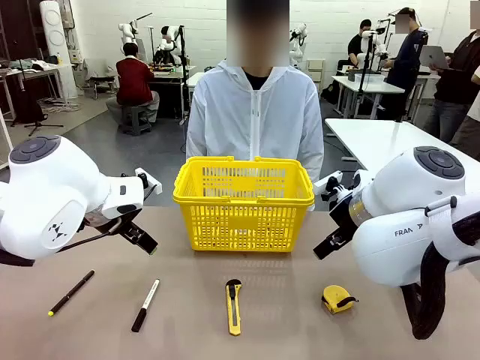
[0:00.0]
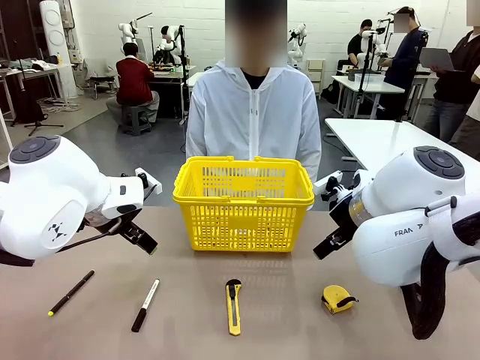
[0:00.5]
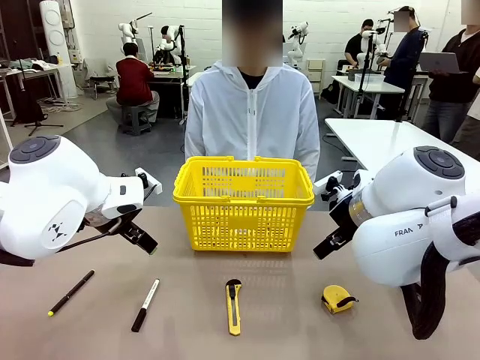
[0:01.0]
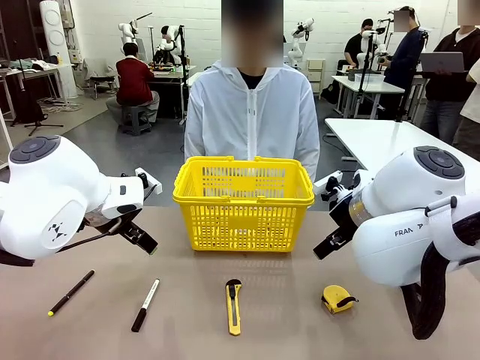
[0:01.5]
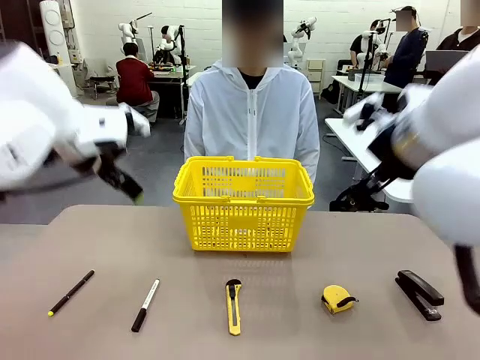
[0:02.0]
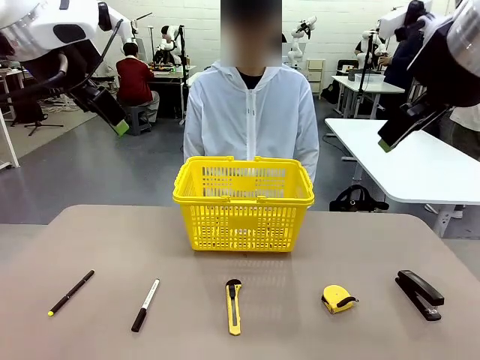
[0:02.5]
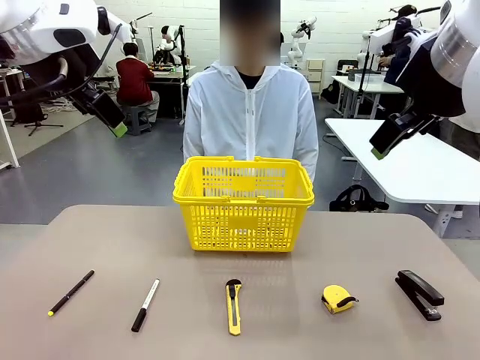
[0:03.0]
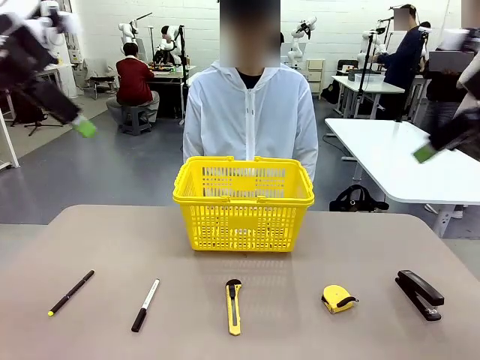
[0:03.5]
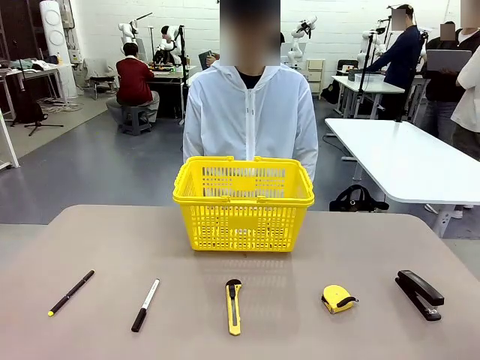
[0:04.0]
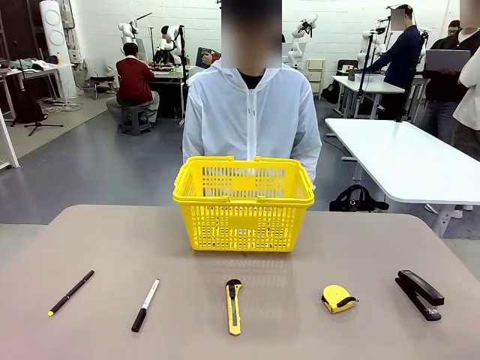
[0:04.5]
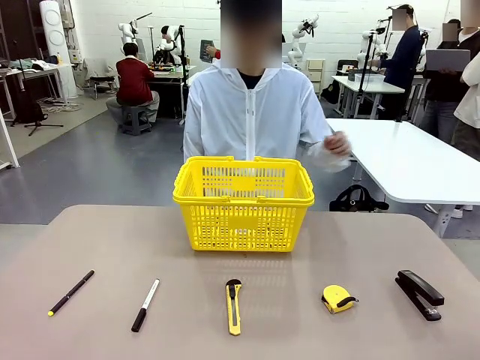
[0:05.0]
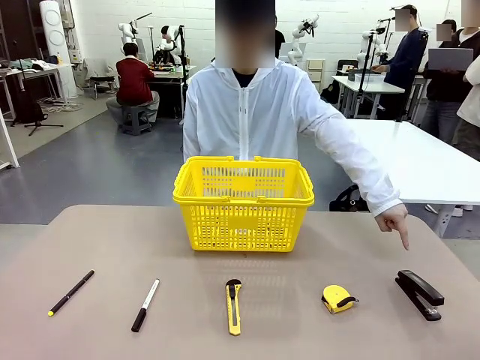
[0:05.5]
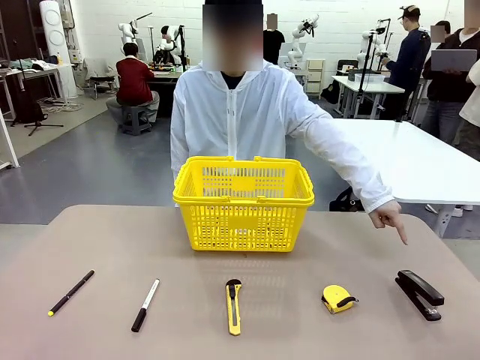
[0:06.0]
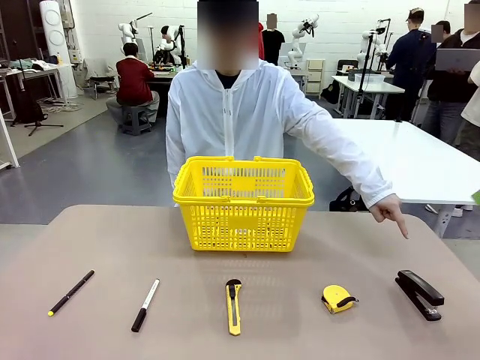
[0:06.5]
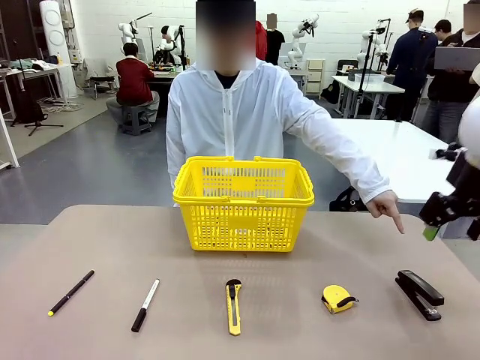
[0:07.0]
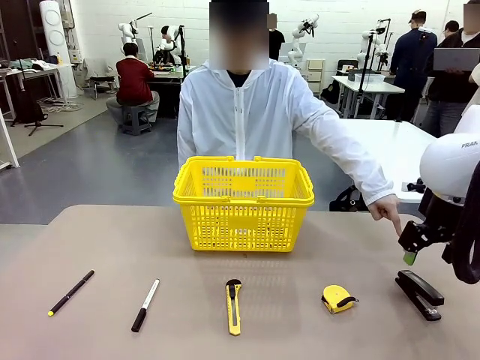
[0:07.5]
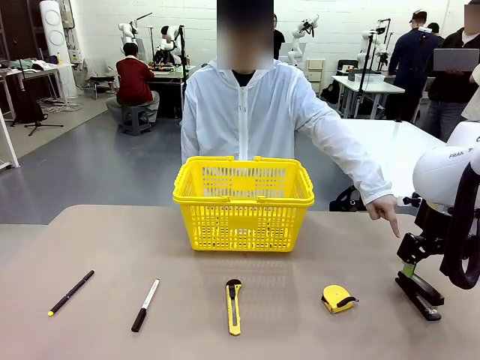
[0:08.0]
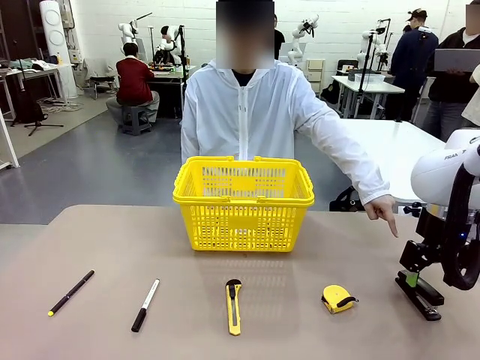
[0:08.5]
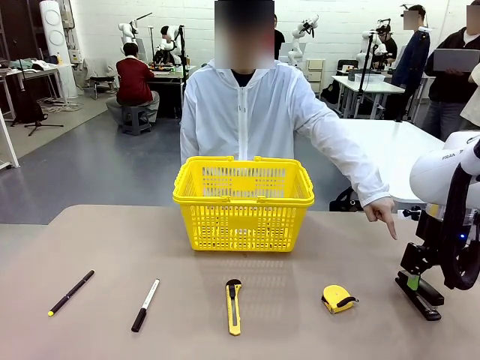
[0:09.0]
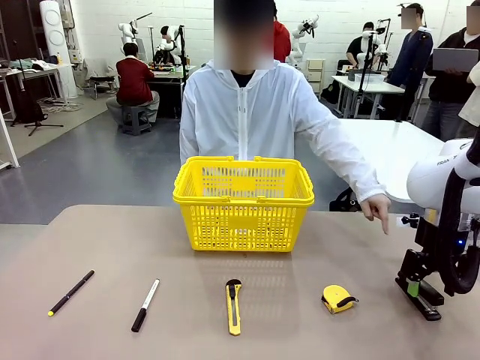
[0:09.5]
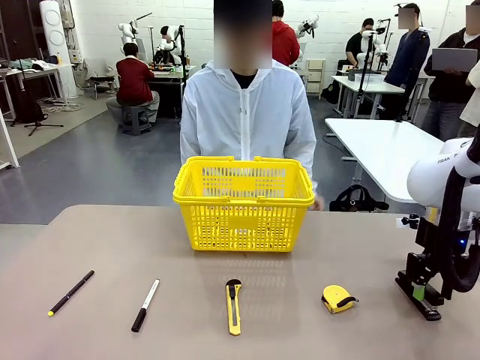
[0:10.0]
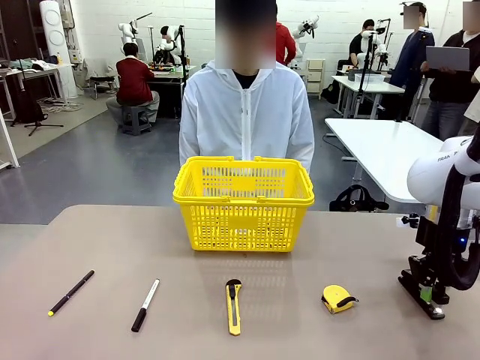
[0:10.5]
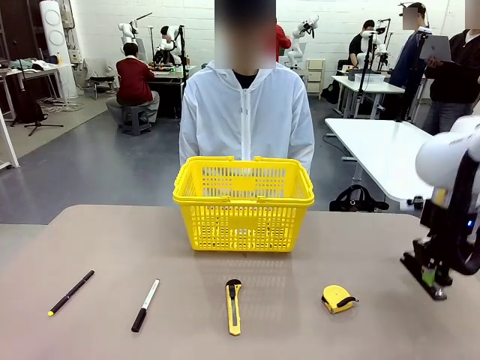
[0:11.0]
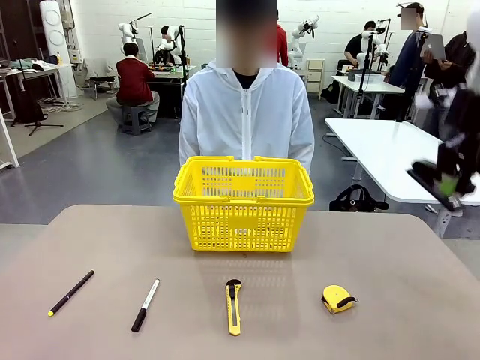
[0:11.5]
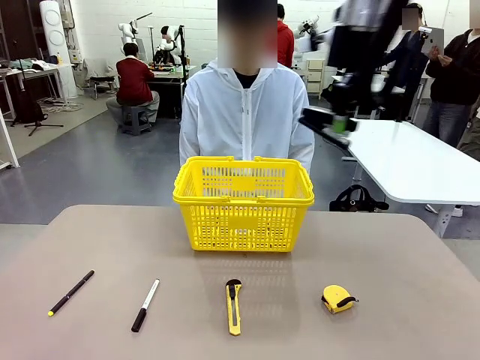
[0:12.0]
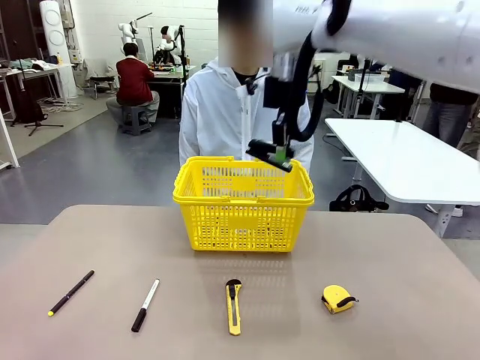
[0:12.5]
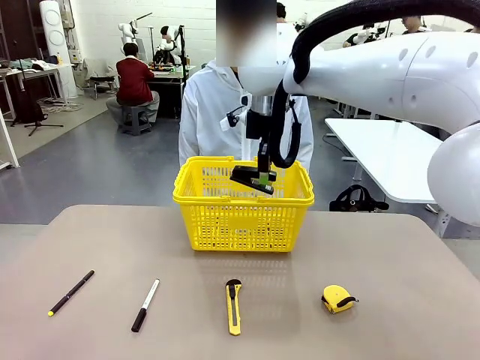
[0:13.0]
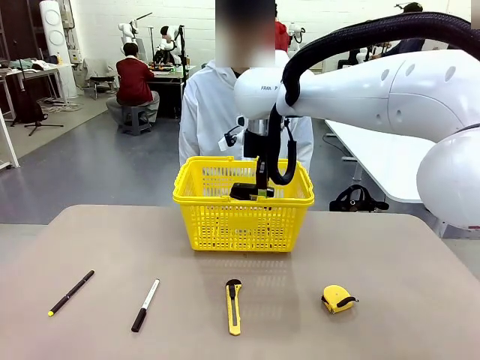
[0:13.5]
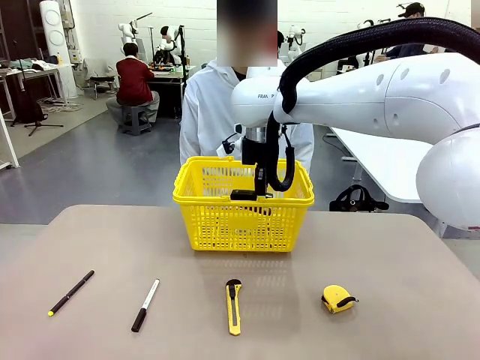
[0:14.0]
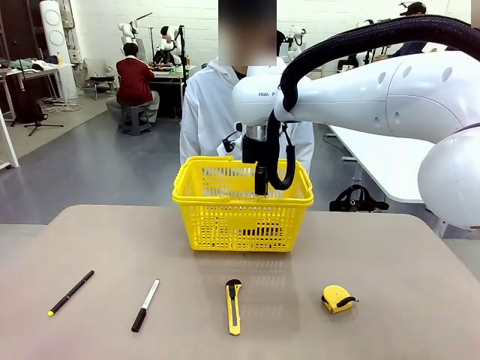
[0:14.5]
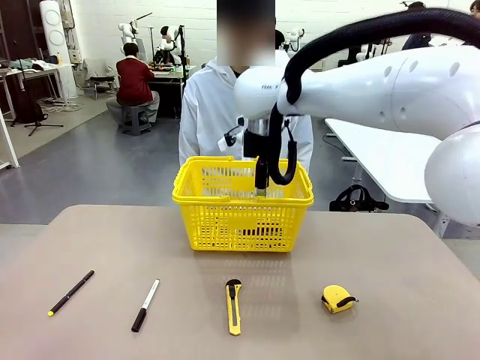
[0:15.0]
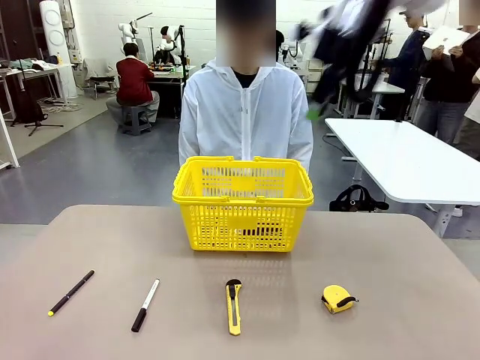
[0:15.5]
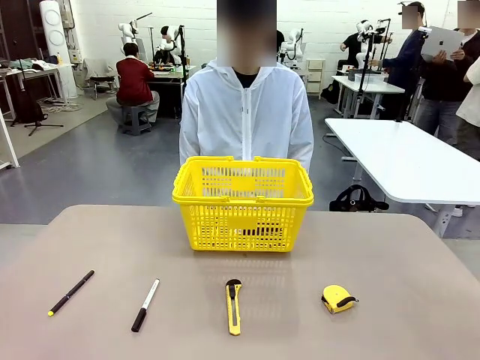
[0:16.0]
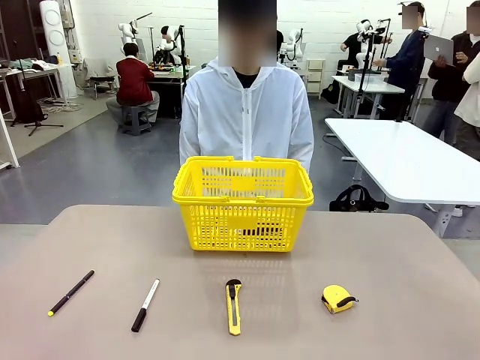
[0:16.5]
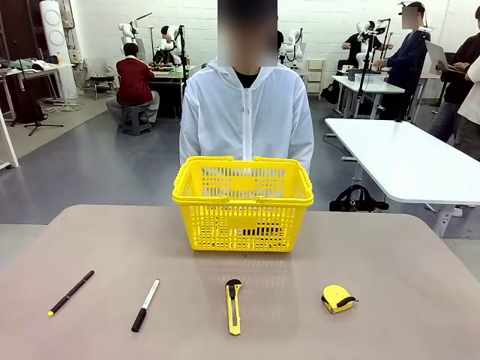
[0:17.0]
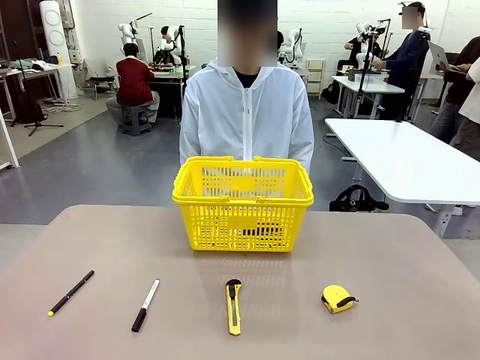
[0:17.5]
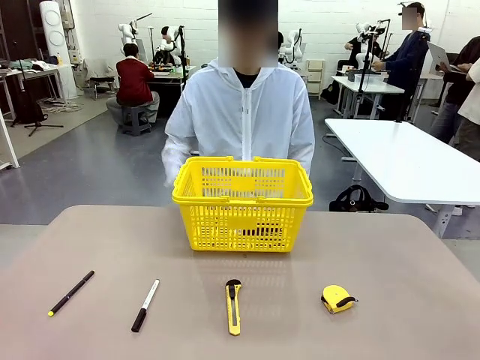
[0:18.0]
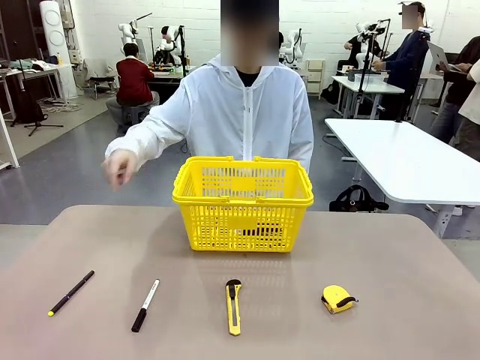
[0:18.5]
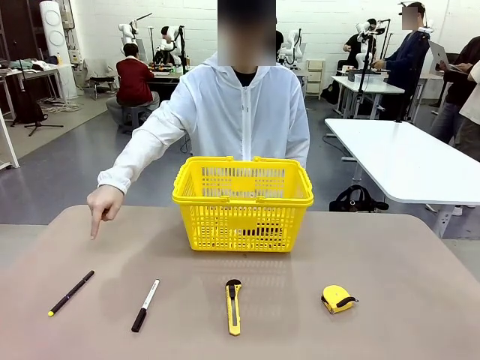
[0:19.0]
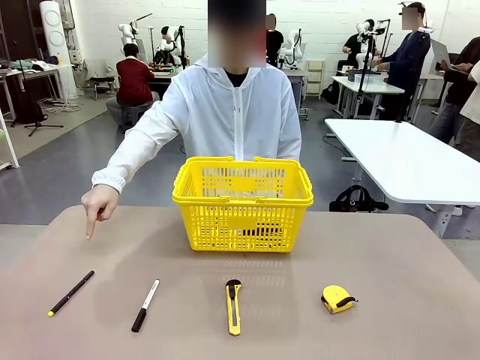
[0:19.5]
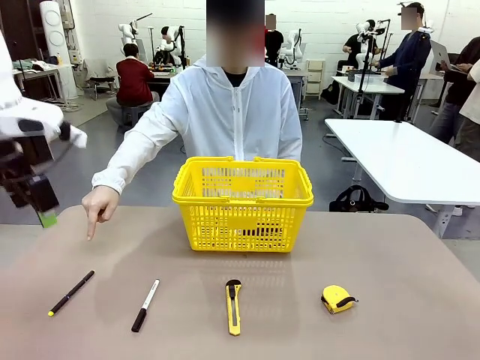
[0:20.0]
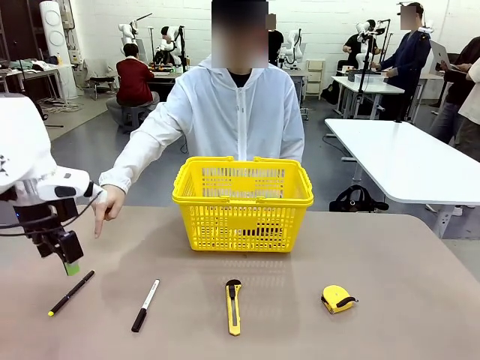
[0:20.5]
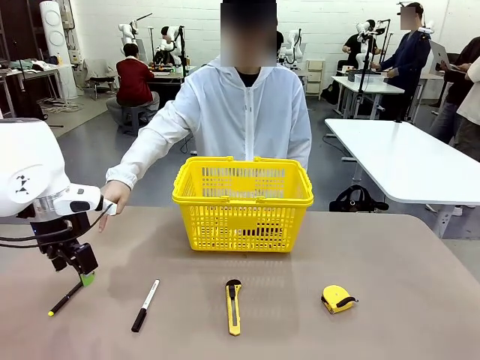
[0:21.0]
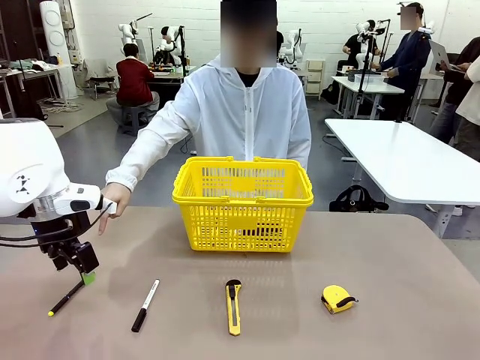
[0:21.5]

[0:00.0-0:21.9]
Task: Place the items the person wants into the basket.
Robot: Pick up the item the person points to and place it in the Market Basket.
